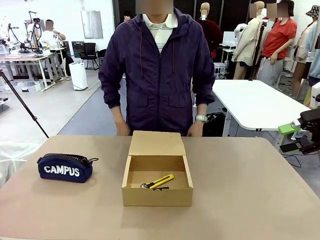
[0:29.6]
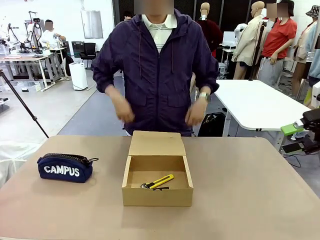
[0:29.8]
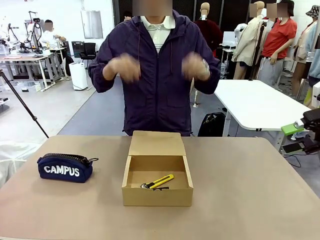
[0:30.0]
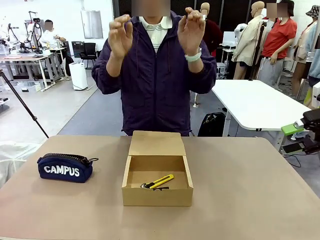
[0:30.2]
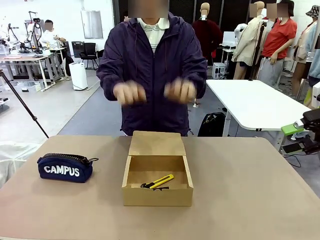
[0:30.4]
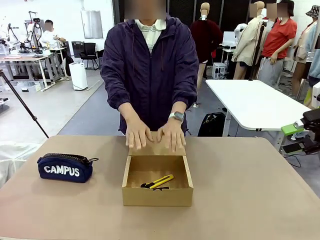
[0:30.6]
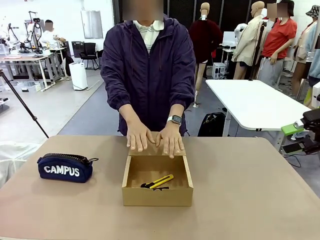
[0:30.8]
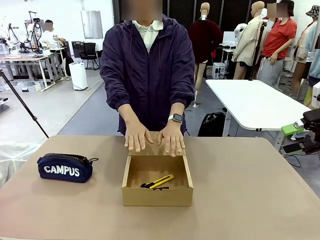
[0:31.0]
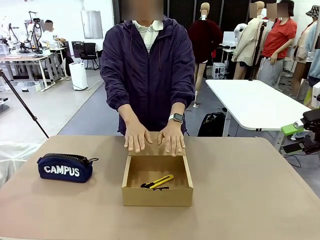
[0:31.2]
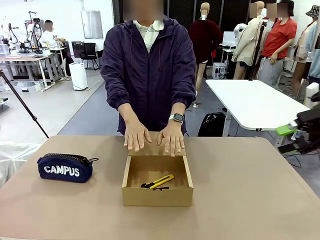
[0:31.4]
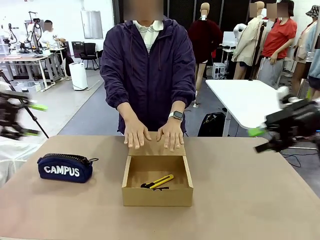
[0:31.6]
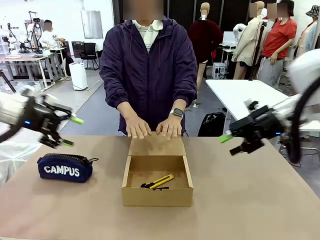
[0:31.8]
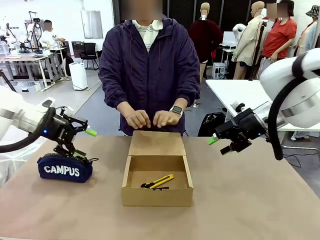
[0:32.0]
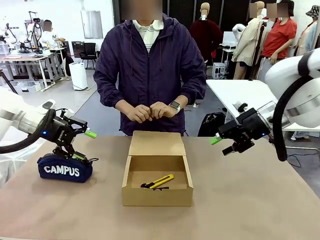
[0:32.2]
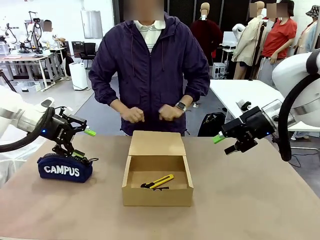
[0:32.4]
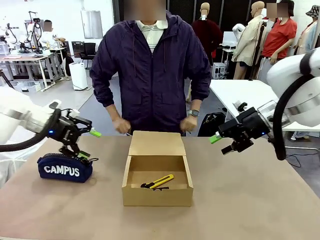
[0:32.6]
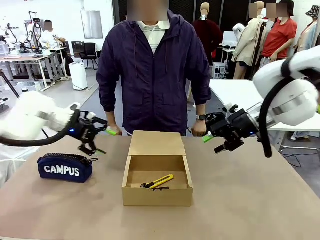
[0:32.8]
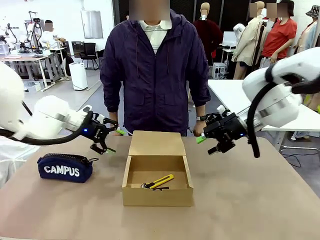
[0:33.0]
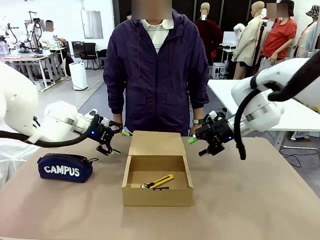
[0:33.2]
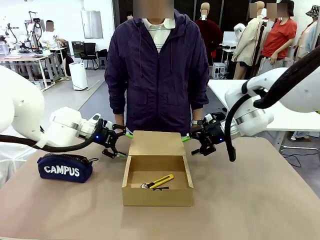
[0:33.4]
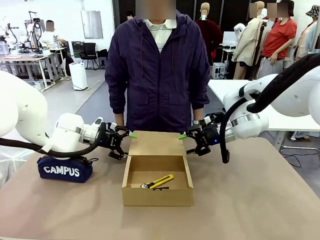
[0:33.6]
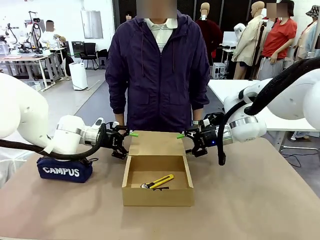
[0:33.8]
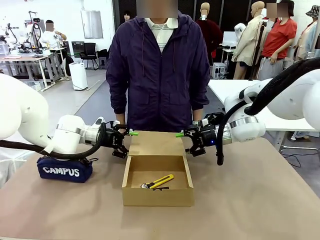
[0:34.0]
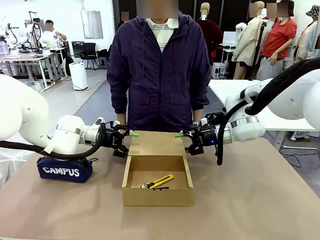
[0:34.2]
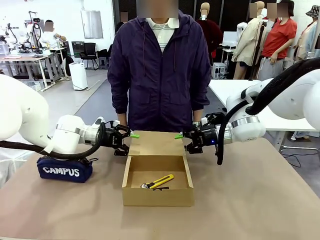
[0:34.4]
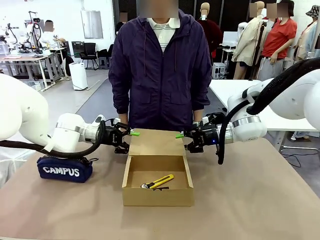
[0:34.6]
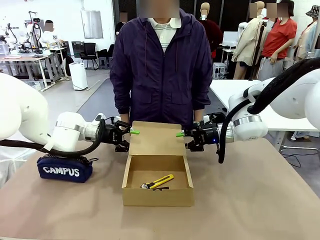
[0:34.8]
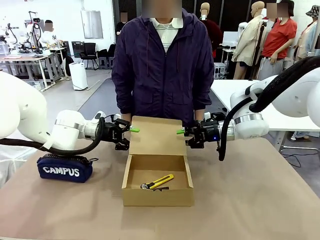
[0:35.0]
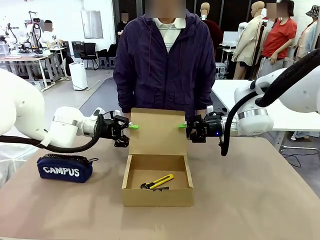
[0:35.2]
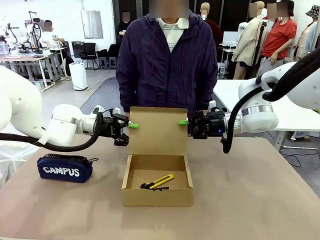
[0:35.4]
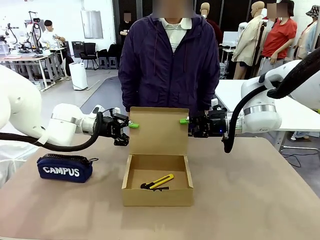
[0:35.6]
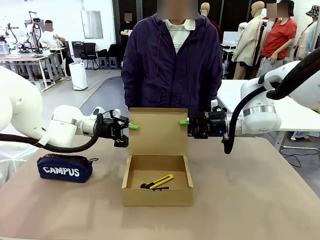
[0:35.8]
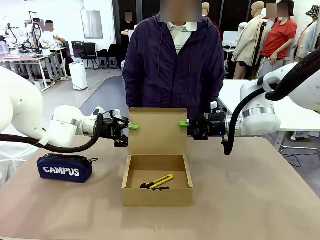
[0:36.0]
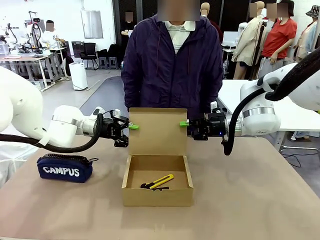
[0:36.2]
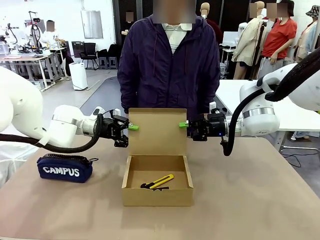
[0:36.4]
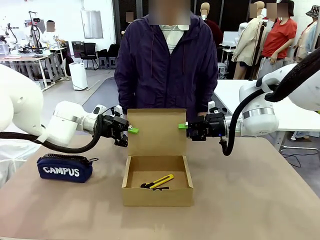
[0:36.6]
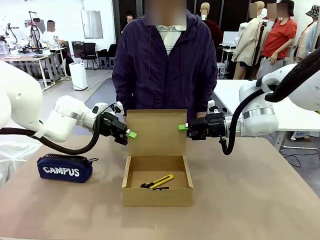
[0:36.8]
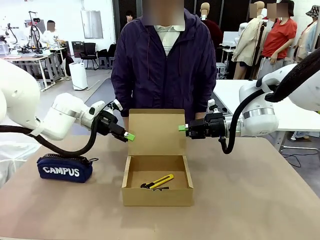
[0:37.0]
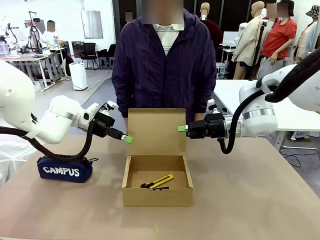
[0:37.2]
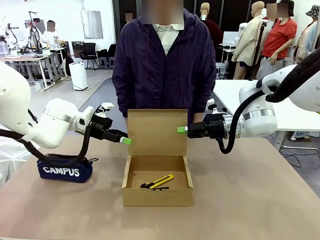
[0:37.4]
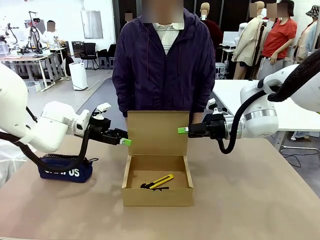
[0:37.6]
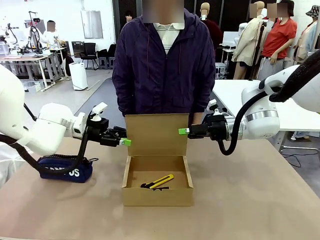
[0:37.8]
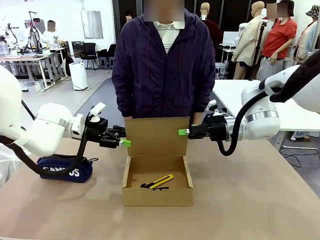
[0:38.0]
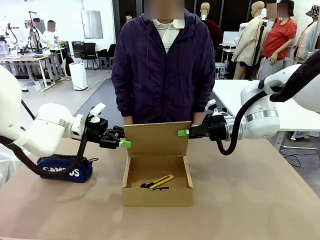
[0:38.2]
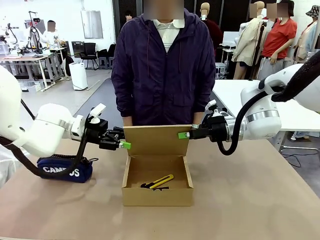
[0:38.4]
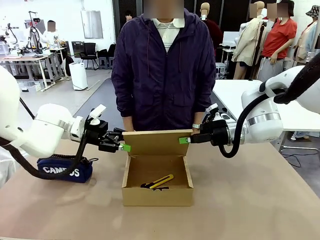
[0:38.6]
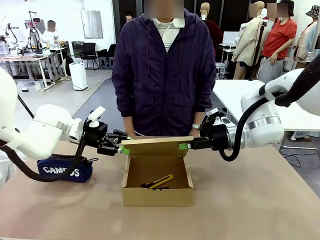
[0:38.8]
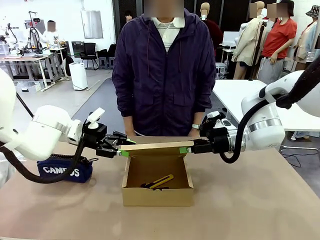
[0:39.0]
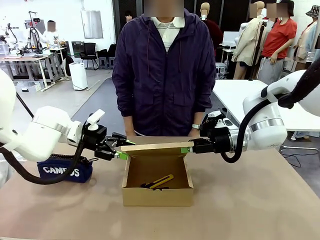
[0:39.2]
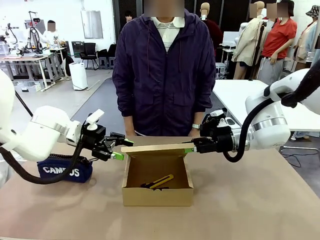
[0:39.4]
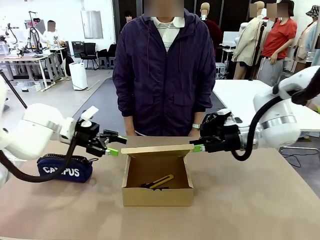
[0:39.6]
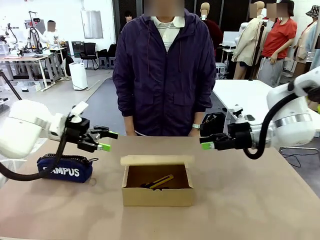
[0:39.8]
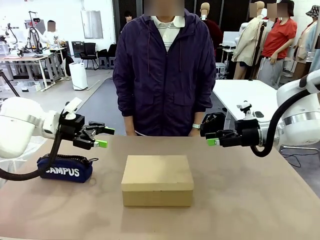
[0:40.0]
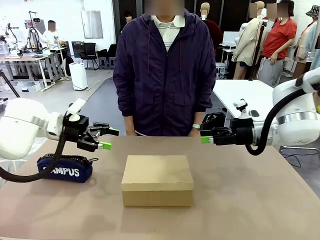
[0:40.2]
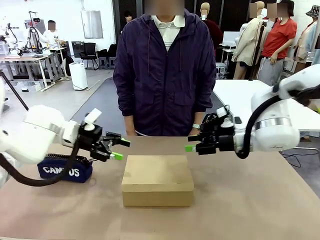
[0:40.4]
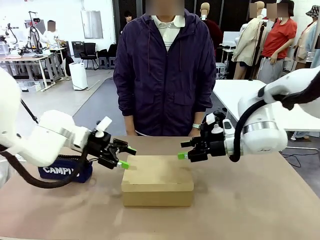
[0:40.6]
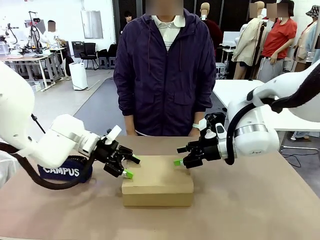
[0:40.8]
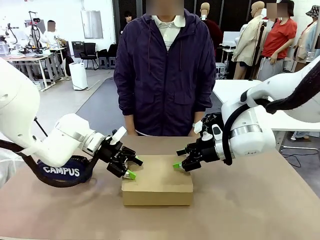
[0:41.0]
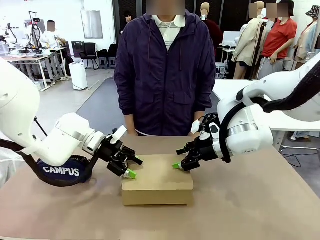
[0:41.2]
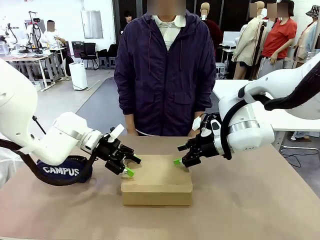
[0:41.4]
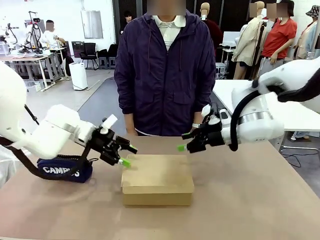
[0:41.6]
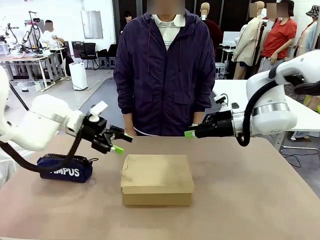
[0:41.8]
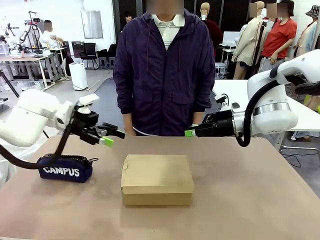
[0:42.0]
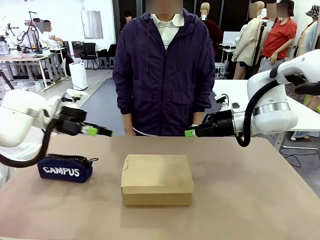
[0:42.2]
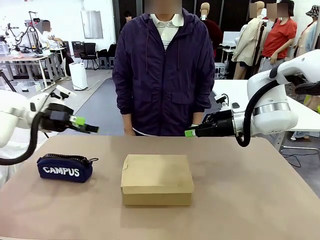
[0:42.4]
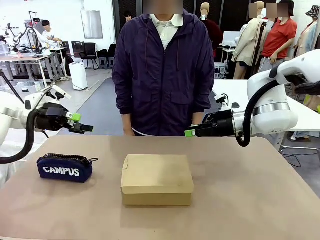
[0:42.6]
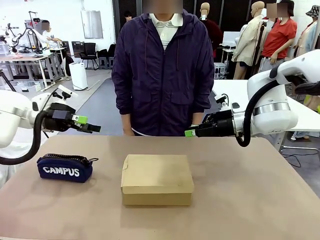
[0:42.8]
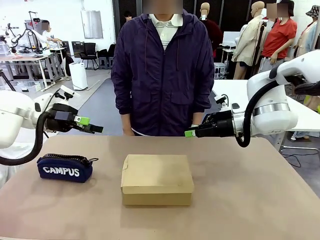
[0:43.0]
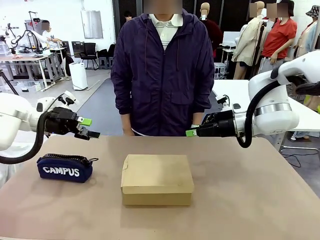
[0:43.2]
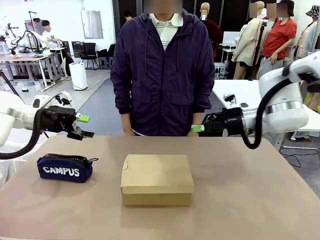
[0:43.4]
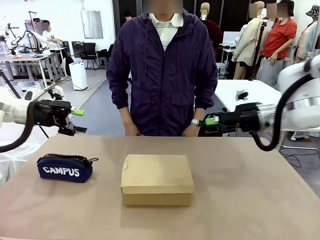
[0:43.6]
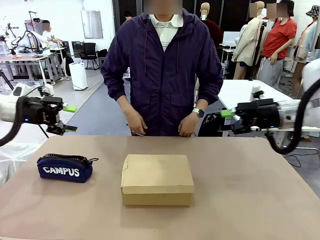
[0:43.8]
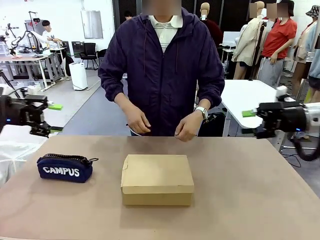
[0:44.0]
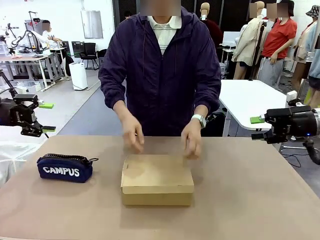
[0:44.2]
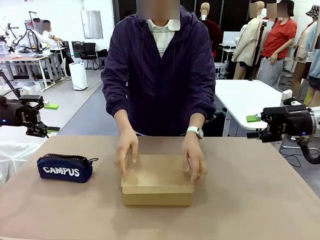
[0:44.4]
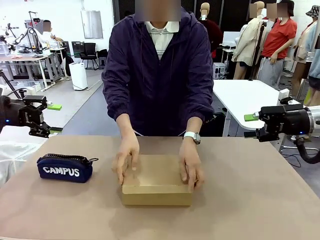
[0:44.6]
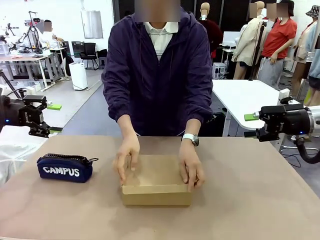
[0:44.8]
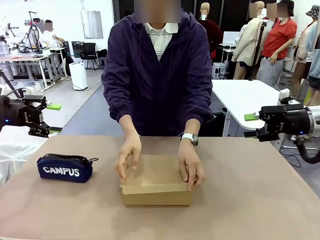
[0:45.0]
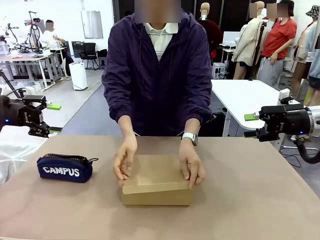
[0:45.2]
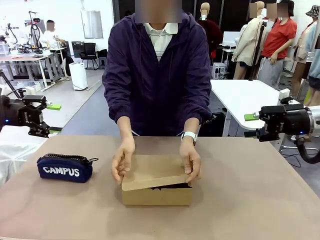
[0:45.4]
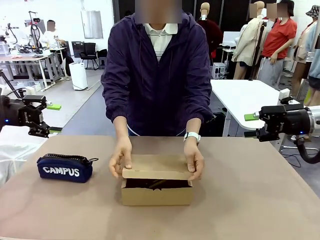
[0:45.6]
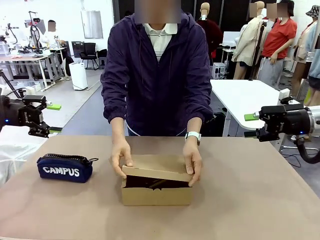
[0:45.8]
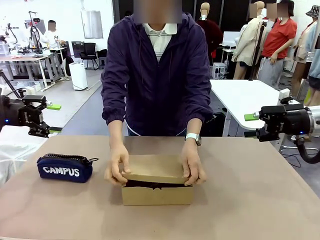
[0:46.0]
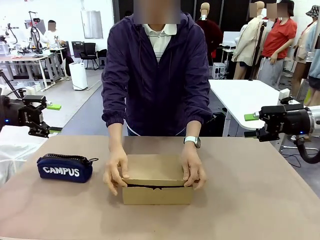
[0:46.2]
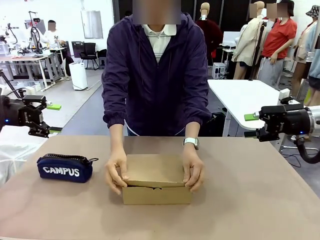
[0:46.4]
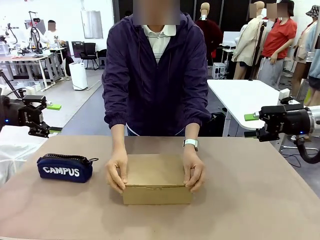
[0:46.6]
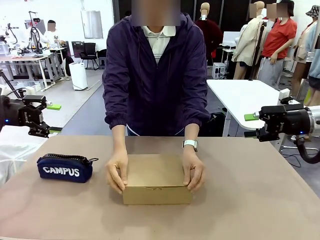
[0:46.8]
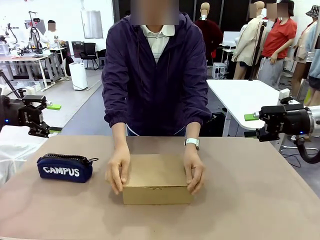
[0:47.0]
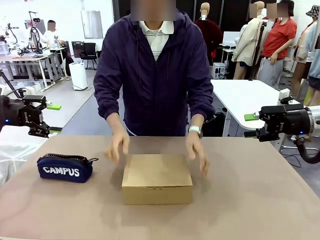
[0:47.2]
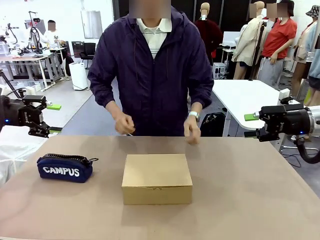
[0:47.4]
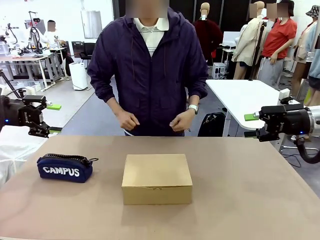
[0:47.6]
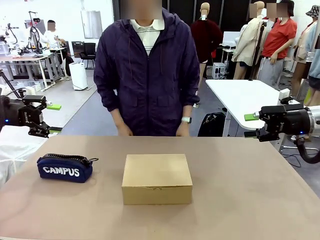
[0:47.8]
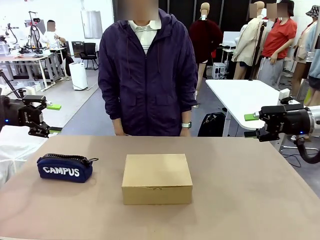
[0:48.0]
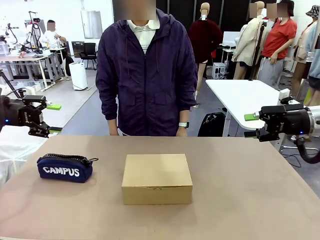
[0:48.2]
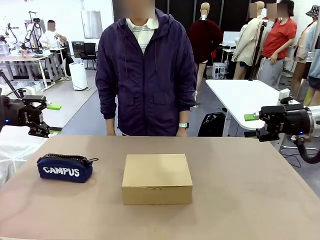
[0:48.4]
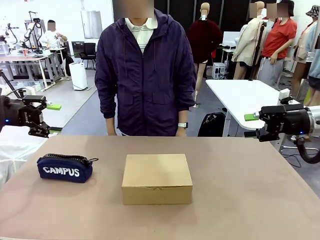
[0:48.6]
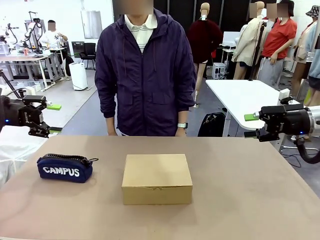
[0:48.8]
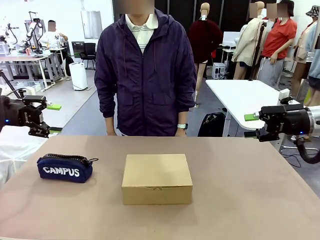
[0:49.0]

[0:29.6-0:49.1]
Task: Pack the items into the box.
Robot: Close the Mailer Box.
Person: Turn the box and lock it.
